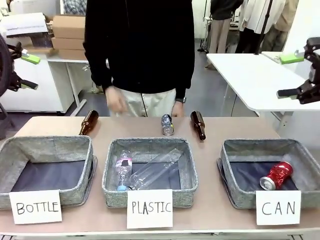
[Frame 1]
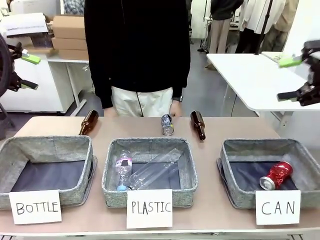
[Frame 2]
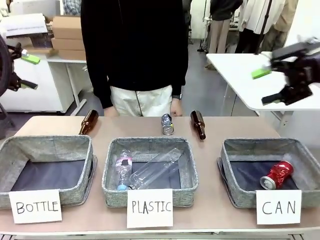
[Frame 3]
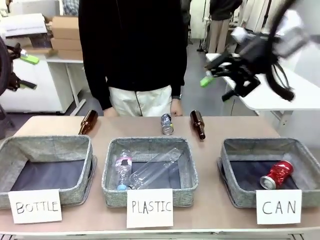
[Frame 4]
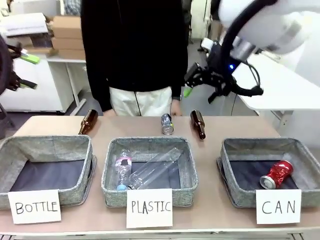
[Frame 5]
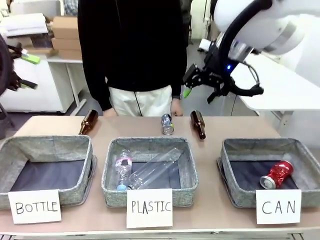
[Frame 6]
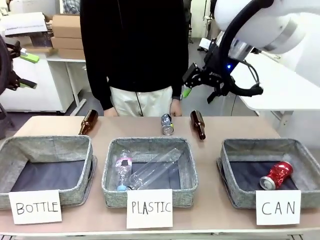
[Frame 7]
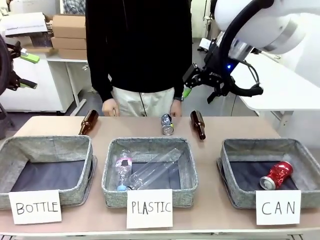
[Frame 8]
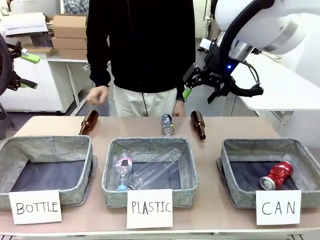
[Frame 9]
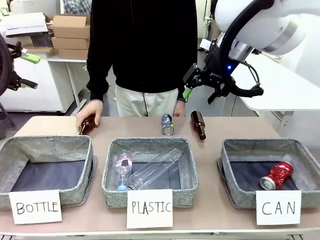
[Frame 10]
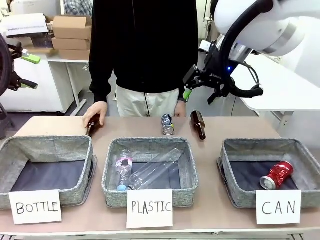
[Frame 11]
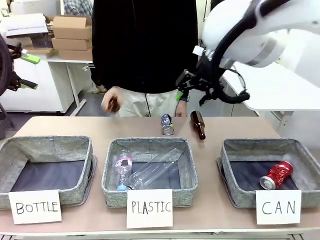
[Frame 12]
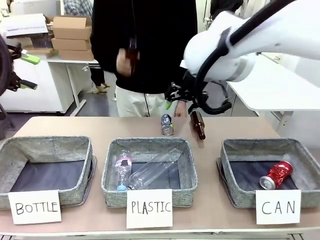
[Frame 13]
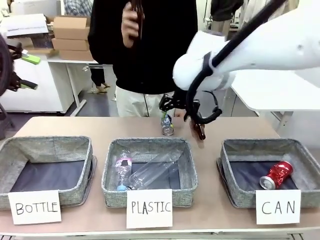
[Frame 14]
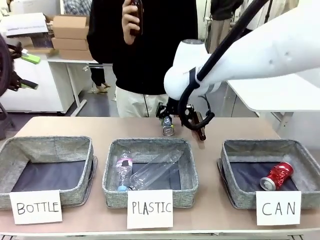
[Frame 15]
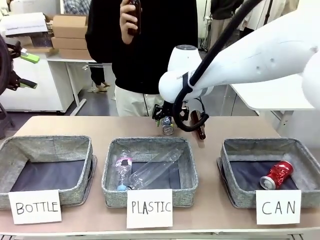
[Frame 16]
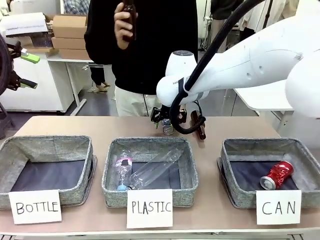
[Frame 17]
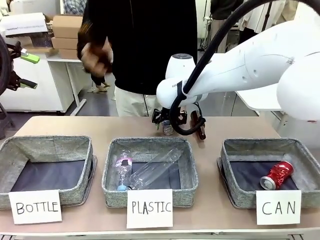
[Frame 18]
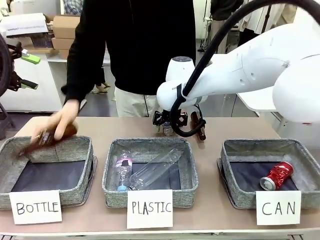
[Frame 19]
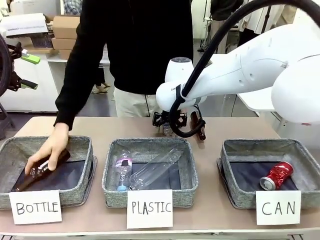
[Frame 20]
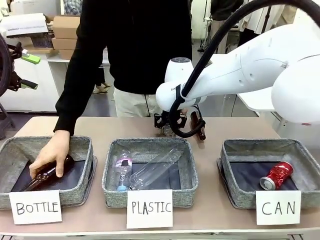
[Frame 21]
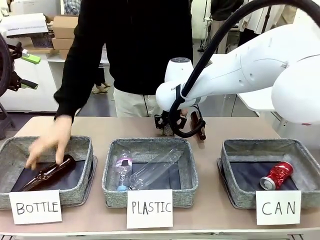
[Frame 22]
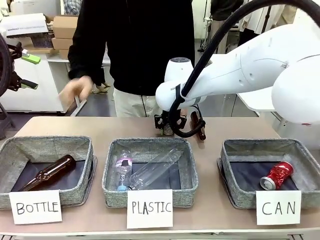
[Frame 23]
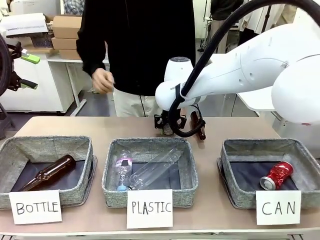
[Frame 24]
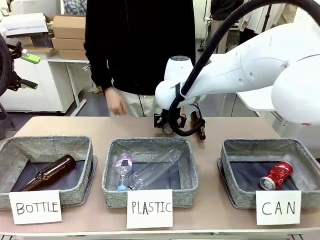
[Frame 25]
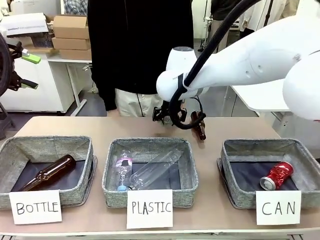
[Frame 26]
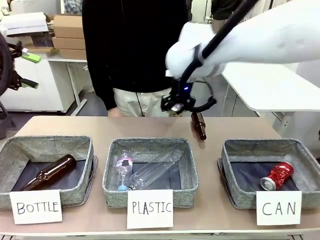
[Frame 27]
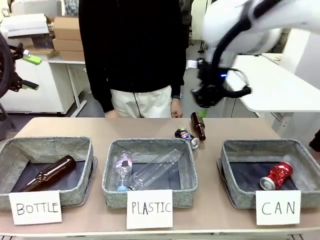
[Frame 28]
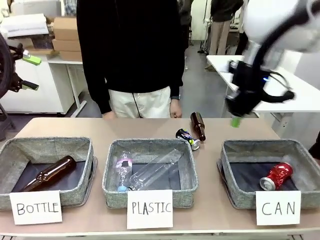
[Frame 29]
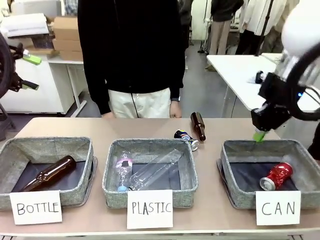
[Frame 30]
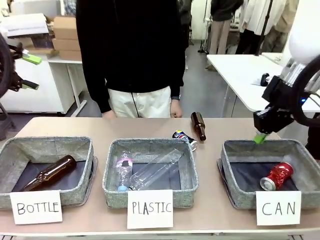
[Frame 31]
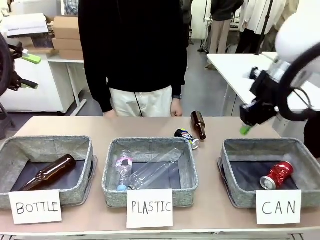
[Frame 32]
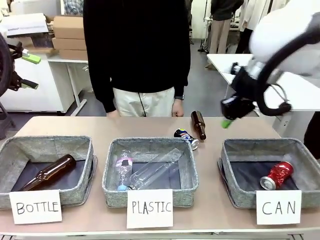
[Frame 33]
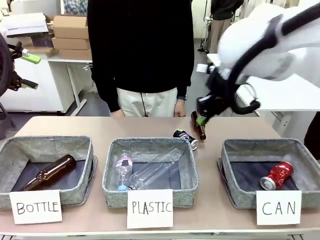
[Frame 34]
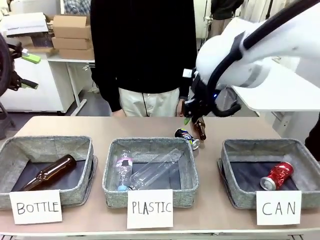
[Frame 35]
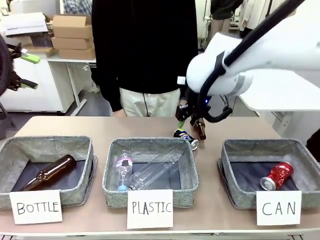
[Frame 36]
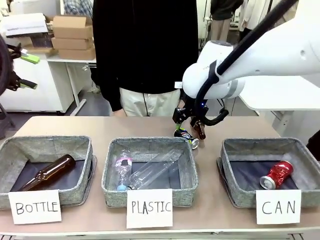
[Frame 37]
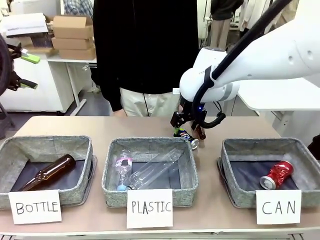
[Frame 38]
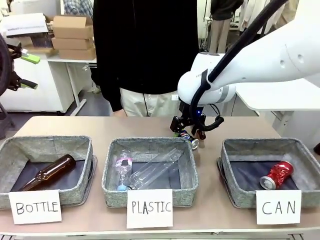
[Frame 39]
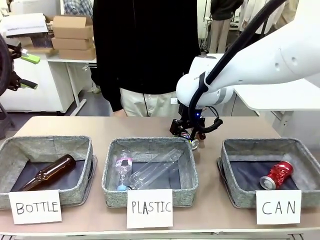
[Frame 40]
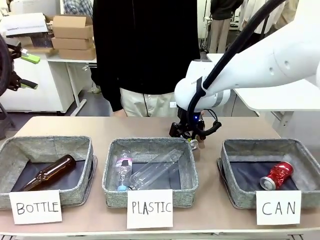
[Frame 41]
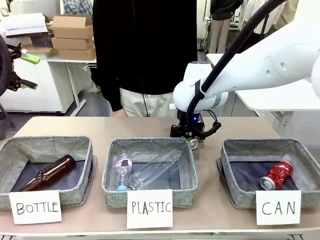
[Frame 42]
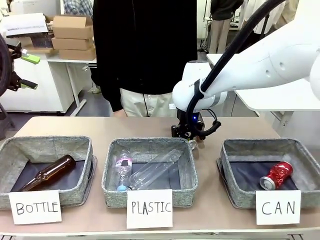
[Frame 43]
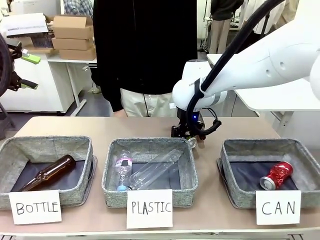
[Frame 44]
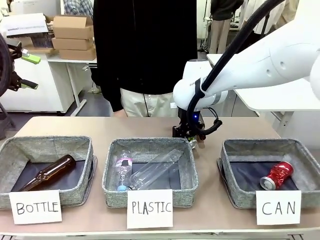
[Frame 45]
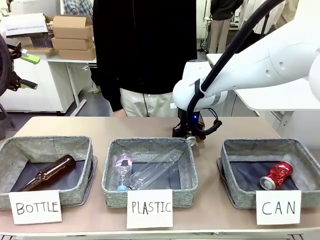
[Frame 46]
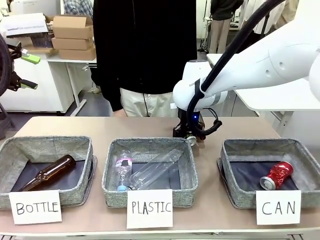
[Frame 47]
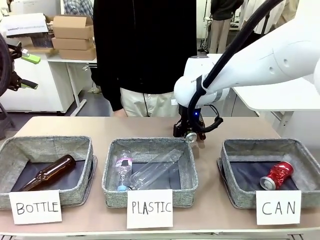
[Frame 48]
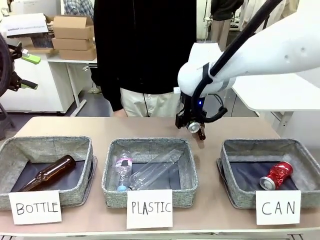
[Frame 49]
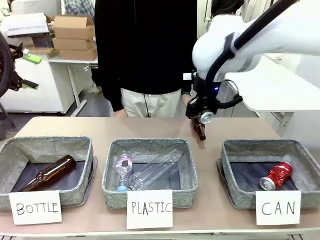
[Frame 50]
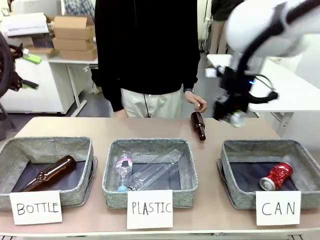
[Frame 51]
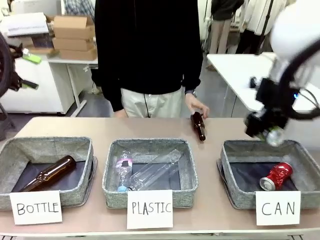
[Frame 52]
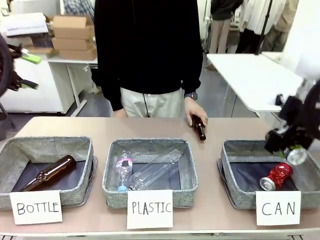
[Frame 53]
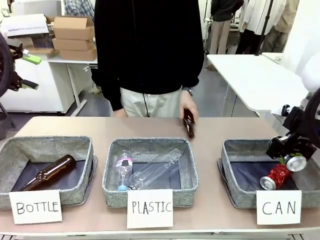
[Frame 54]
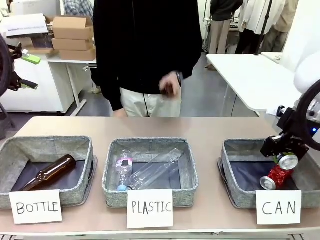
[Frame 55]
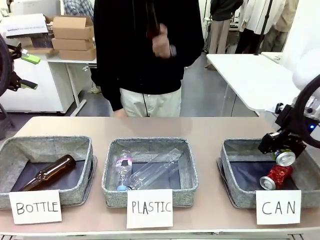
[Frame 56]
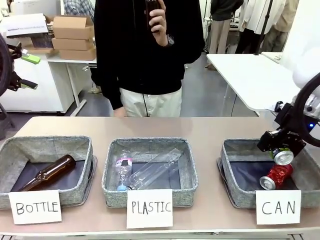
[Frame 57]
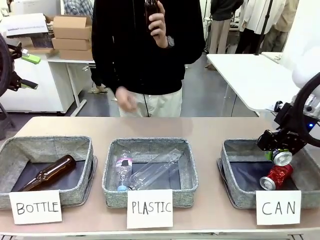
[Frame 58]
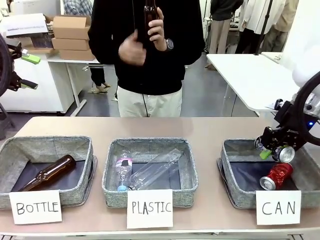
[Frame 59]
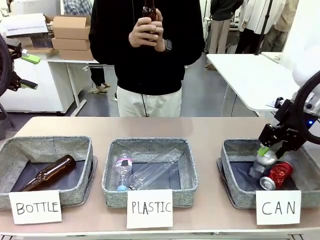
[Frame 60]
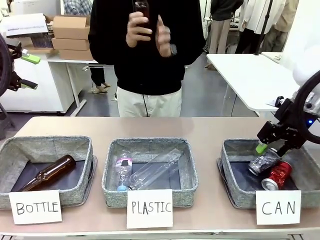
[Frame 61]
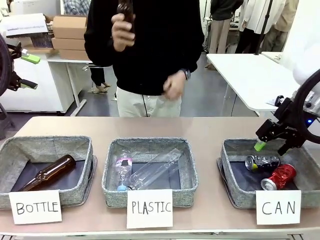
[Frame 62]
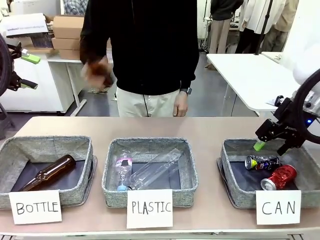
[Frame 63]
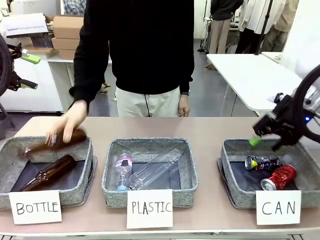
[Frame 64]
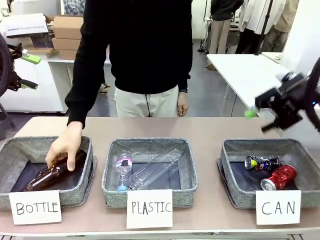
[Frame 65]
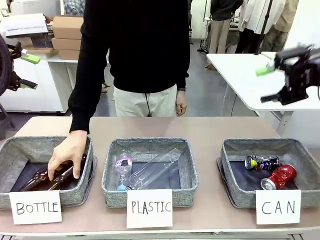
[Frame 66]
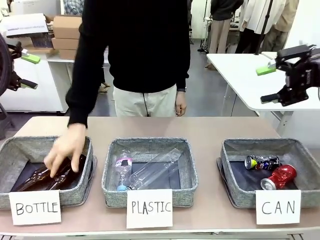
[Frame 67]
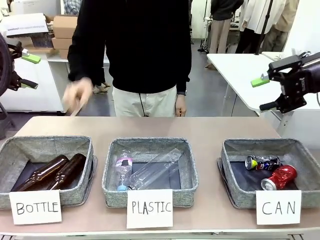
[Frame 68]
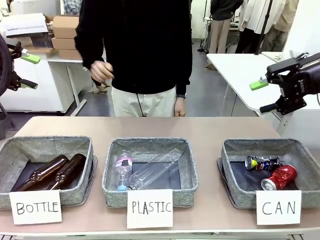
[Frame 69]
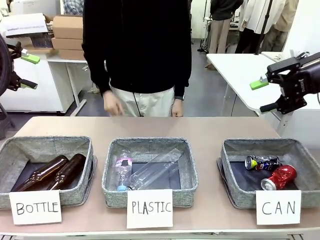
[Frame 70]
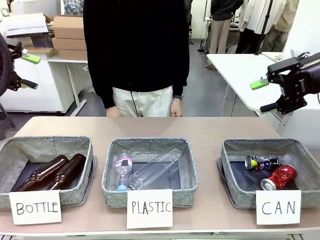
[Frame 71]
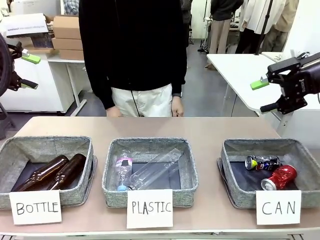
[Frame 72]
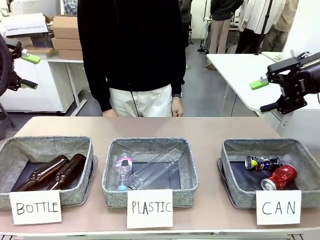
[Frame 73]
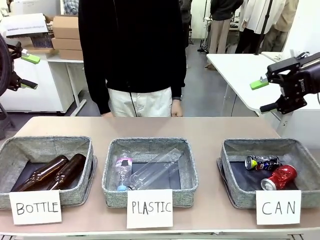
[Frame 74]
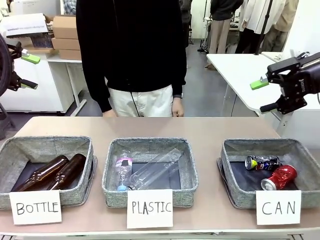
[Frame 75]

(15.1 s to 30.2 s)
Task: Sort the can waste into the basket.
Robot: Pick up the can waste from the table and place it in the right Fabric basket.
